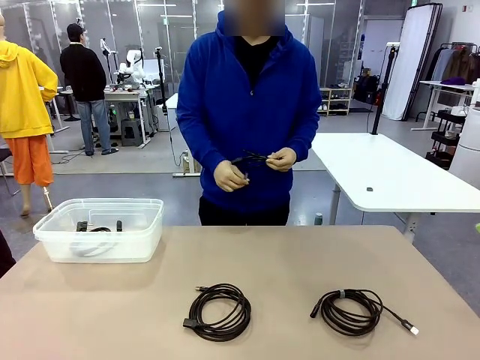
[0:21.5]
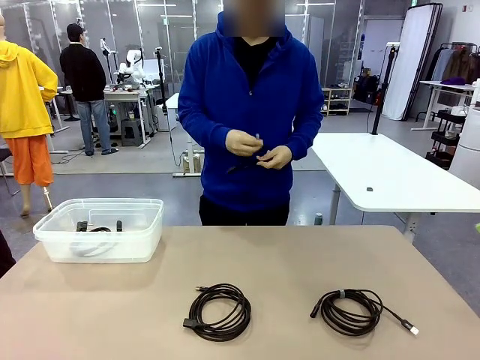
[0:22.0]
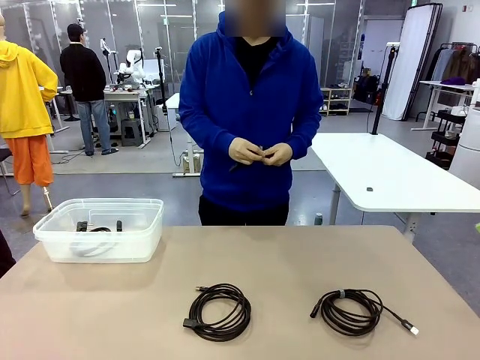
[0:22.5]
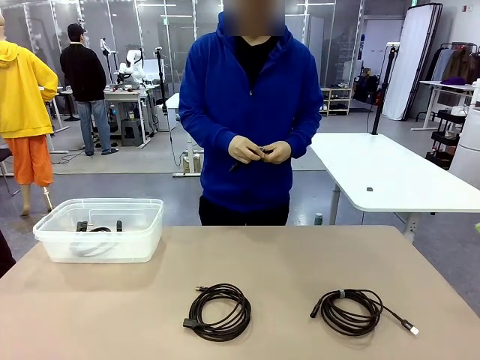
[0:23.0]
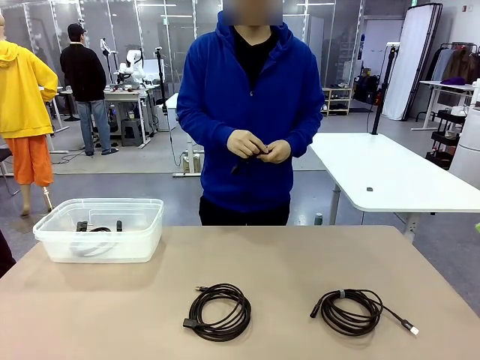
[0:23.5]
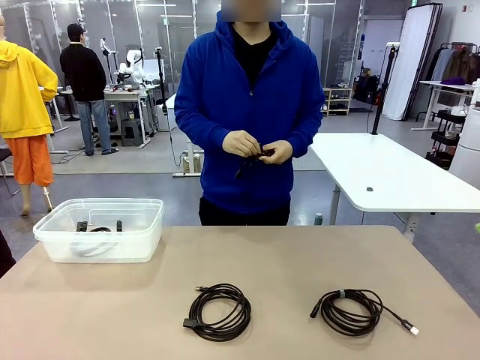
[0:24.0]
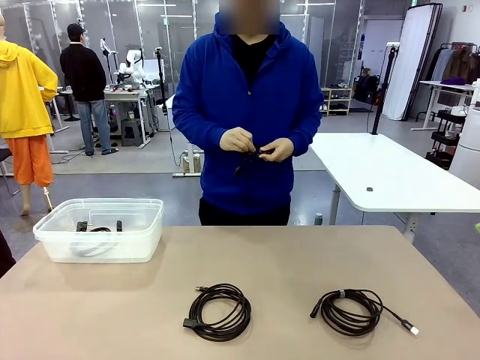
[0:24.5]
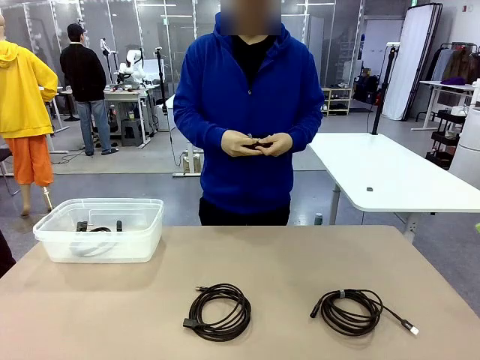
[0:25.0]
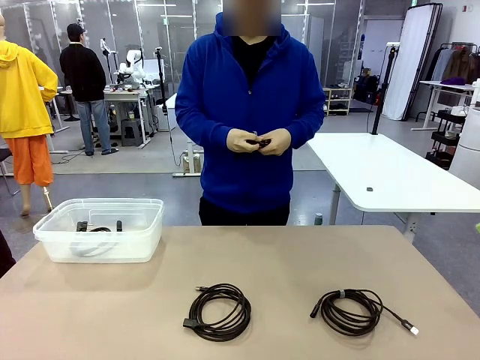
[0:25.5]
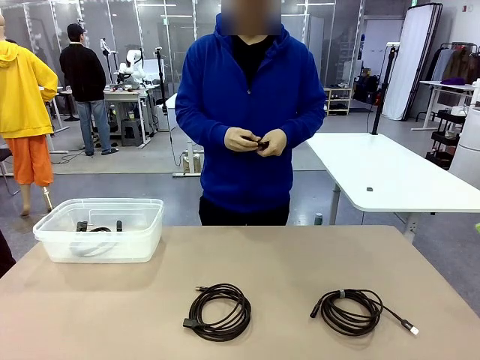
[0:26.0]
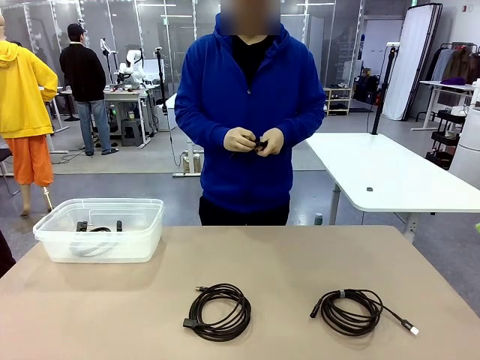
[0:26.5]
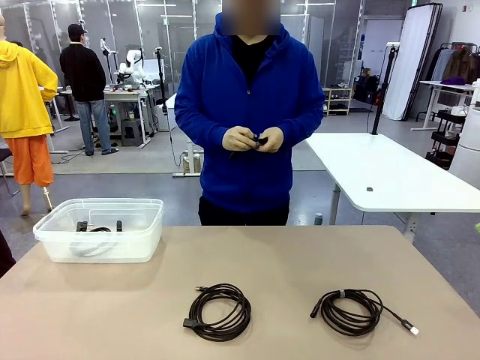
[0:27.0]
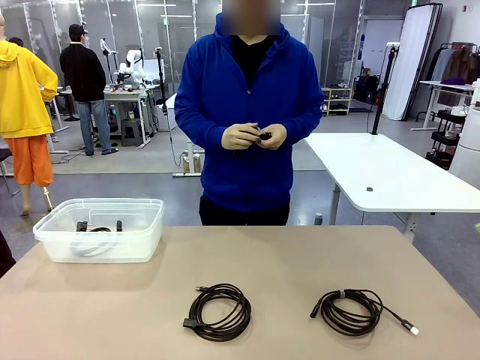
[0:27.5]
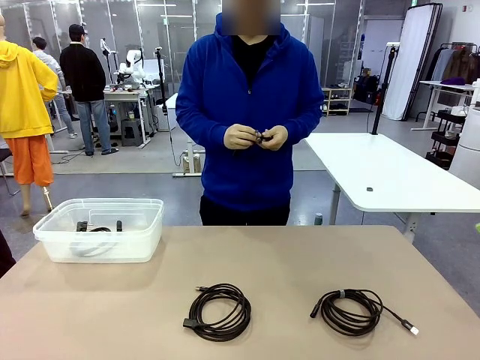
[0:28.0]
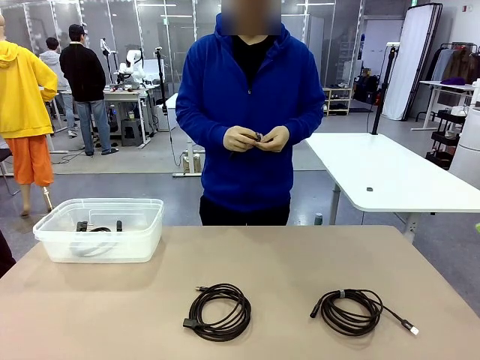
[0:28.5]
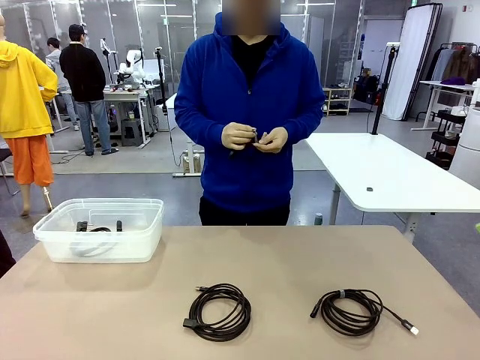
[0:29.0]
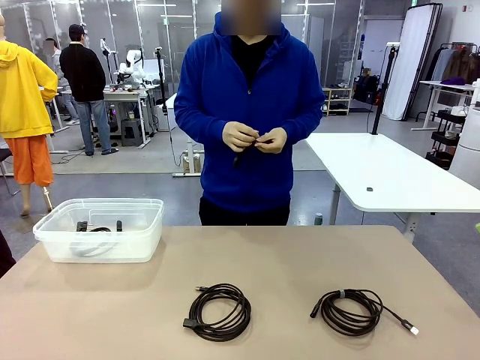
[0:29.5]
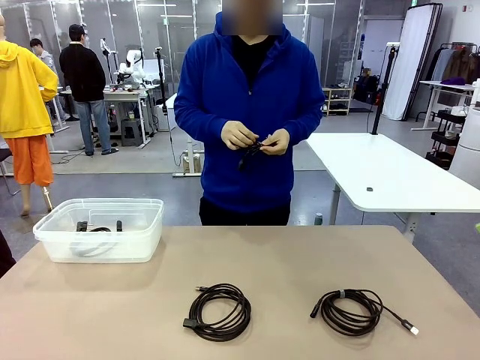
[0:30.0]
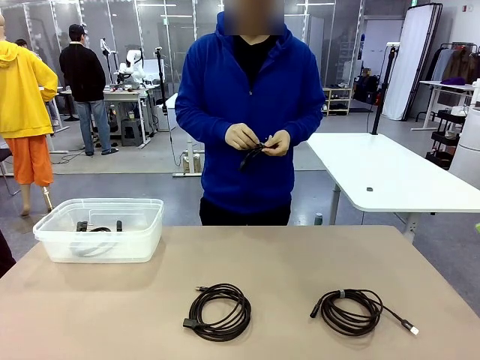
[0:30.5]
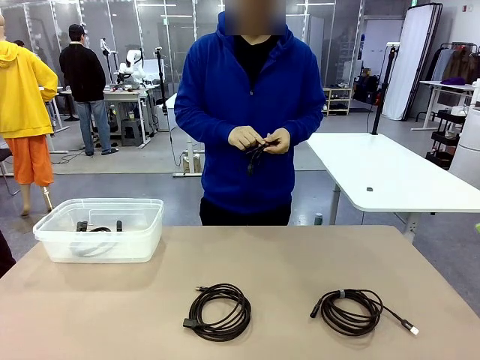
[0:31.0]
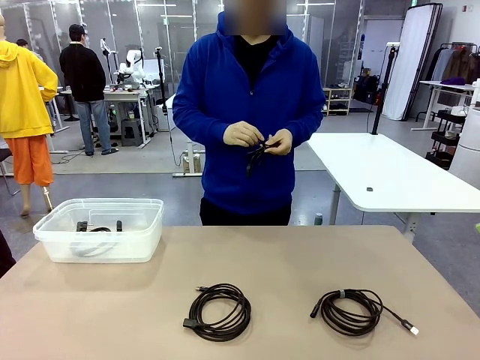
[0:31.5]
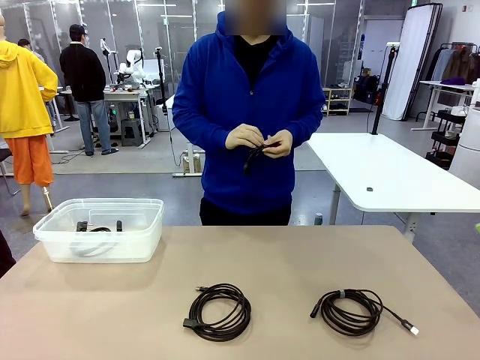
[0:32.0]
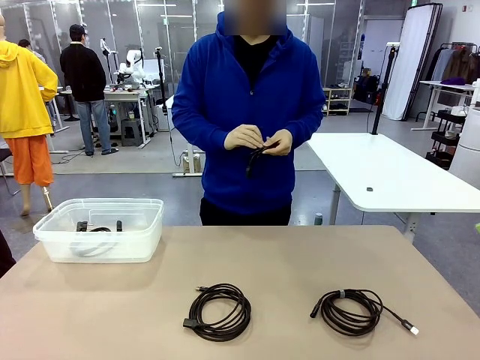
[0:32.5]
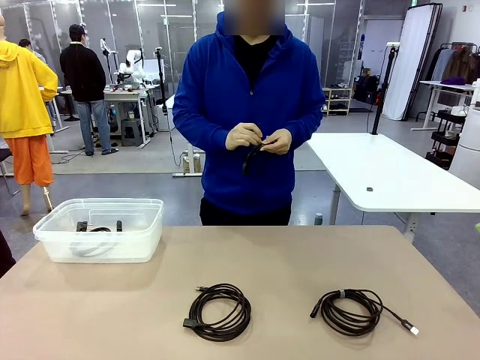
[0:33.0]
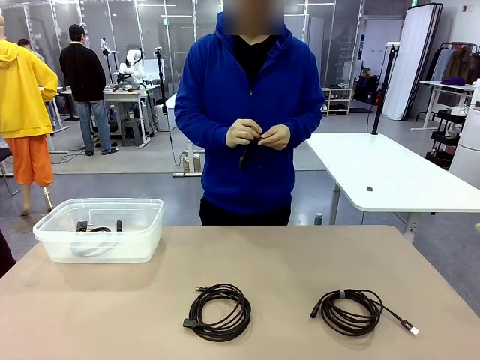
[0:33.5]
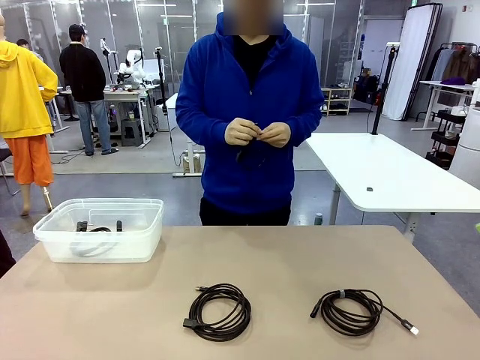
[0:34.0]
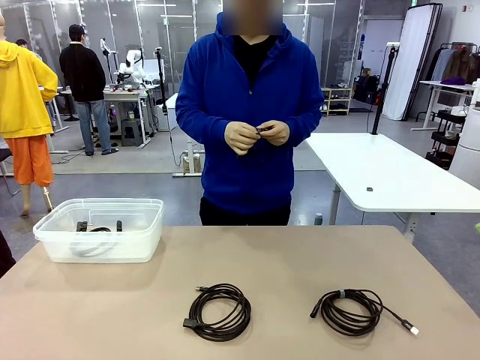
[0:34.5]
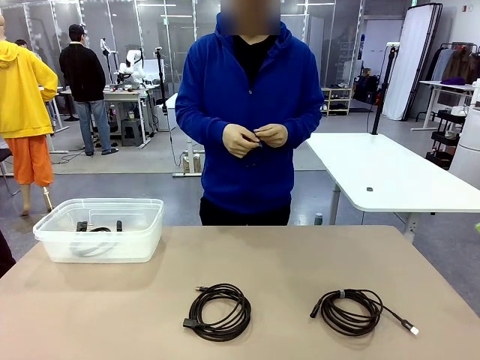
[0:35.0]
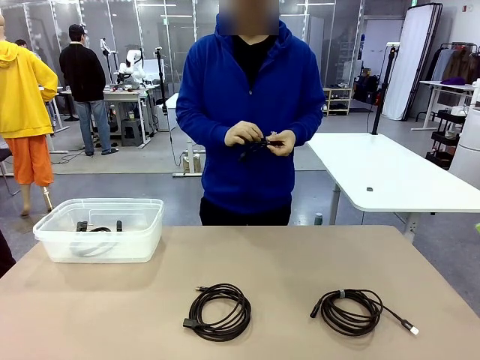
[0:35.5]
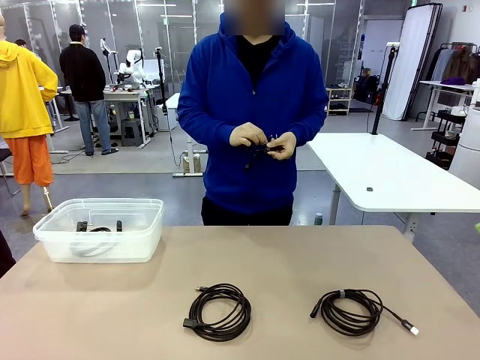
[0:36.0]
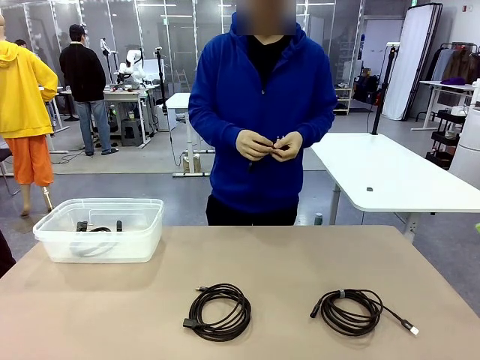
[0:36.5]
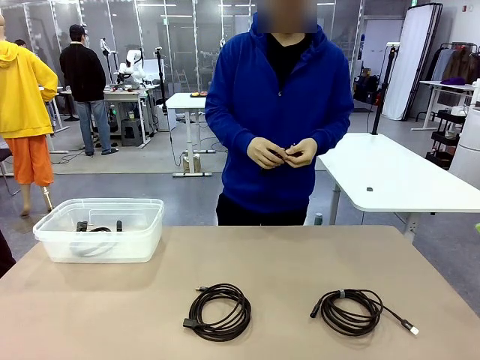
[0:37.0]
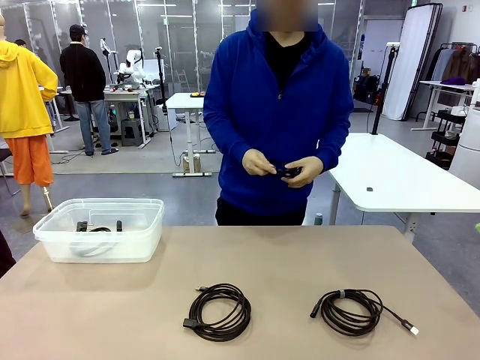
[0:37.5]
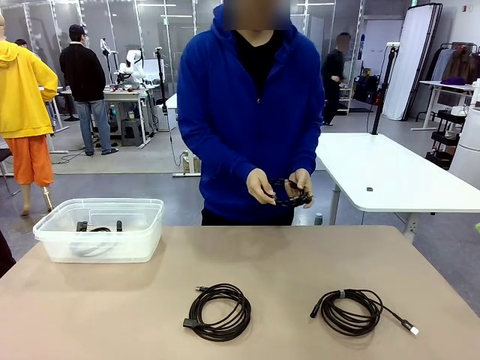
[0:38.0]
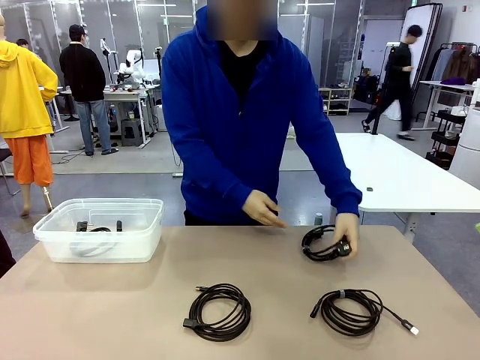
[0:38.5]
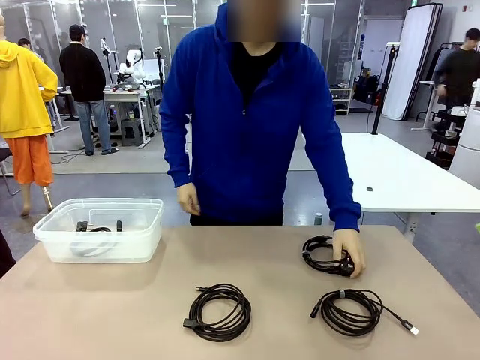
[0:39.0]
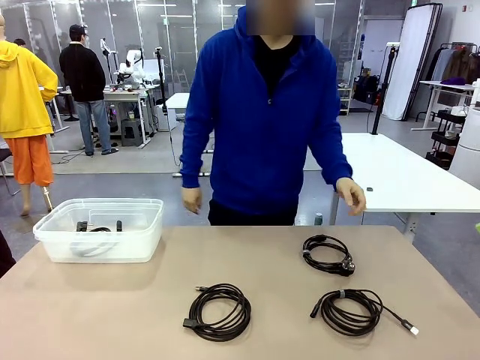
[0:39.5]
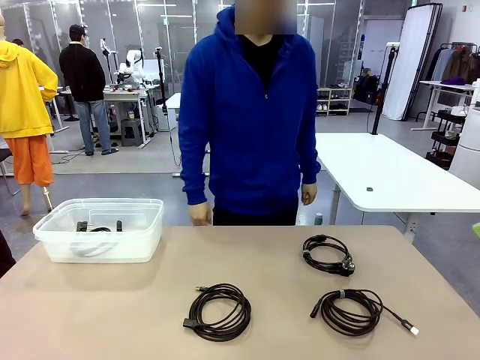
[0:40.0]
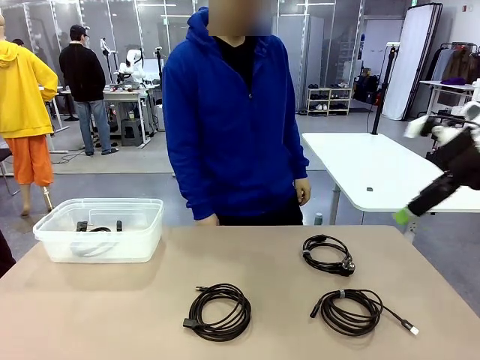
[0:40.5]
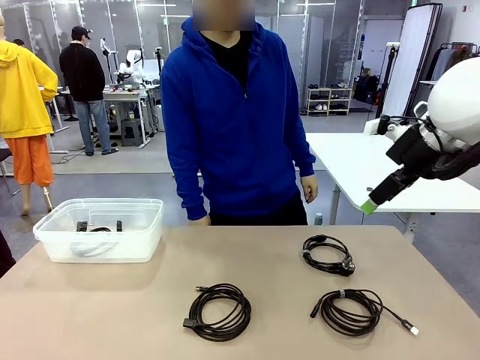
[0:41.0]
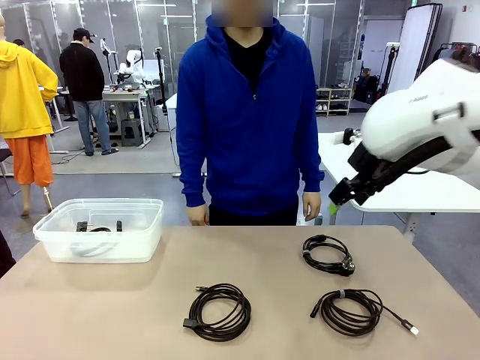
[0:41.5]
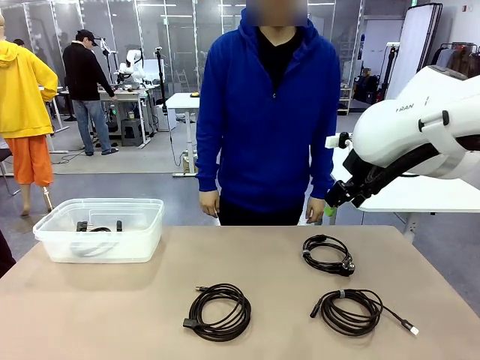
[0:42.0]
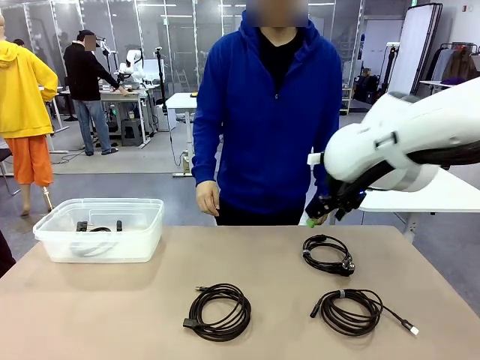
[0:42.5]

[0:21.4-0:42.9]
Task: Organize and store the cables.
Robot: Place the Power Cable into the Organizing box.

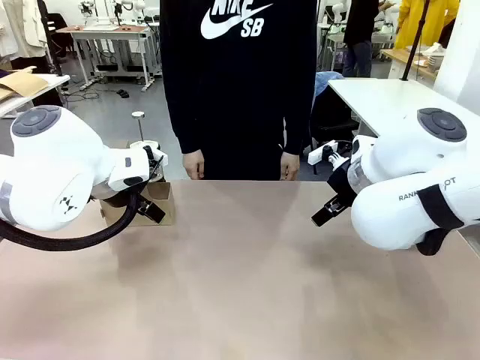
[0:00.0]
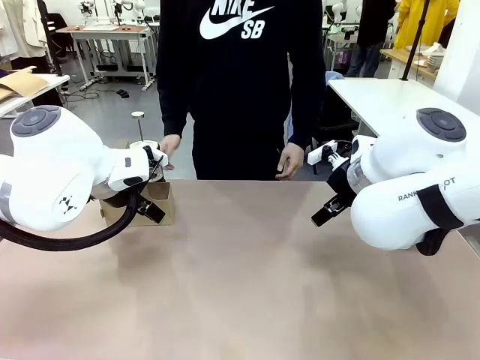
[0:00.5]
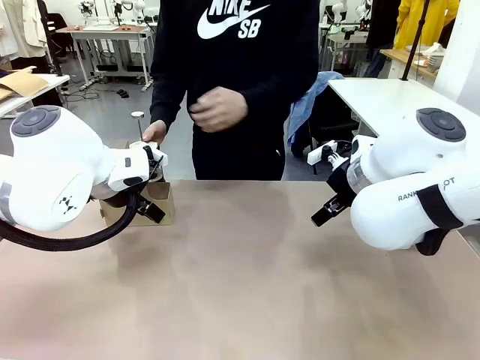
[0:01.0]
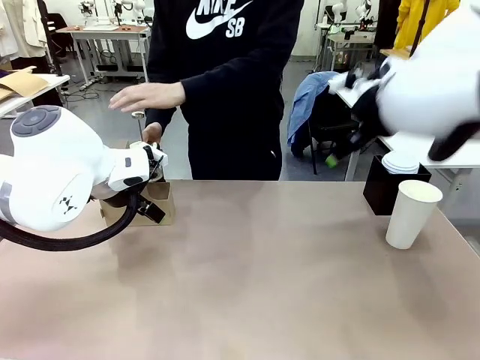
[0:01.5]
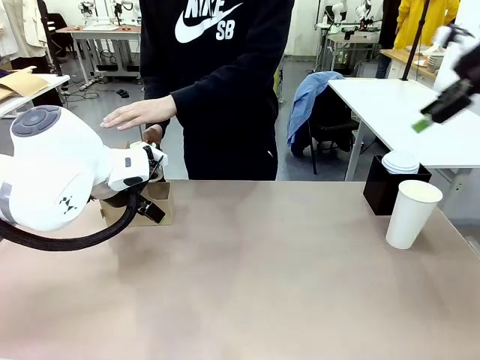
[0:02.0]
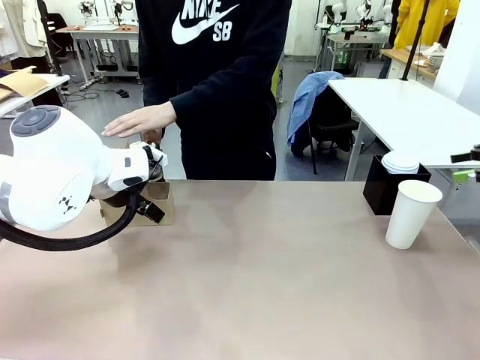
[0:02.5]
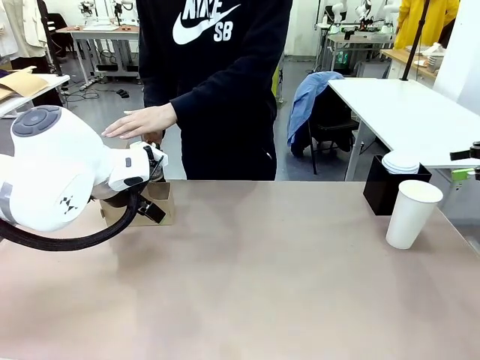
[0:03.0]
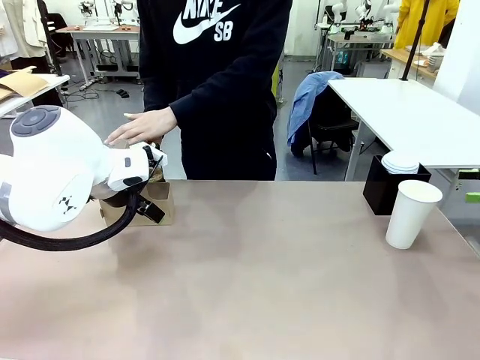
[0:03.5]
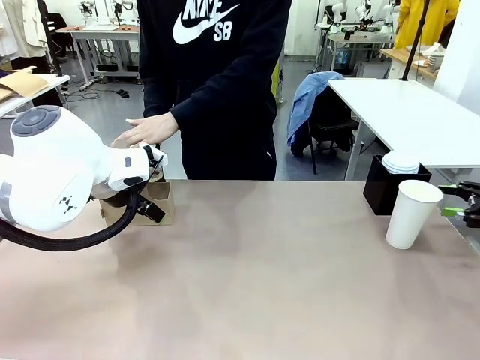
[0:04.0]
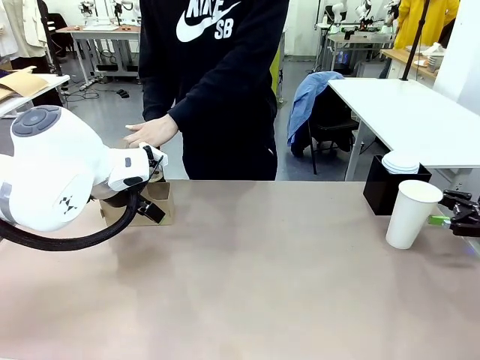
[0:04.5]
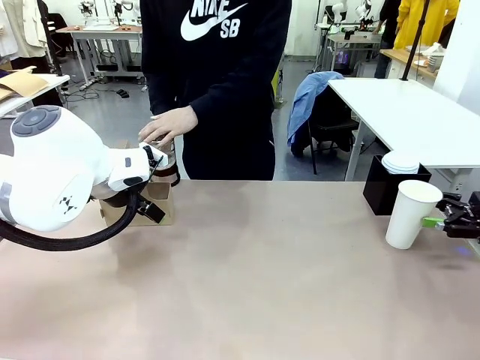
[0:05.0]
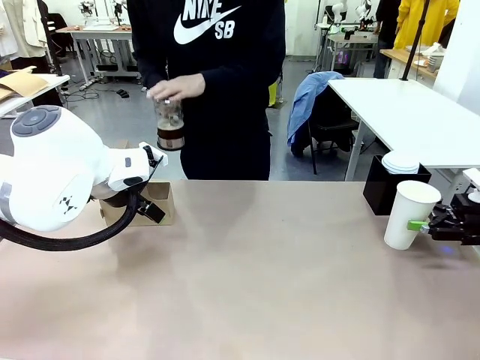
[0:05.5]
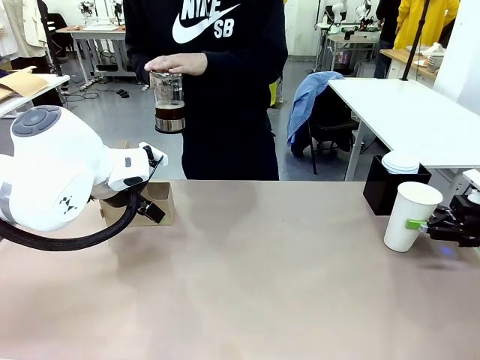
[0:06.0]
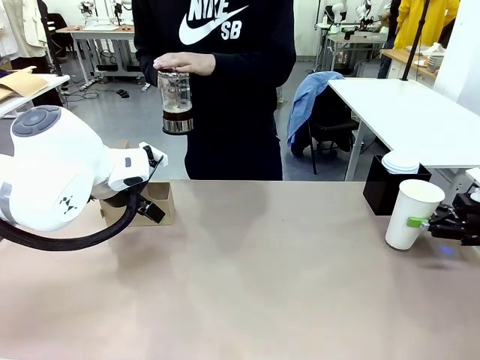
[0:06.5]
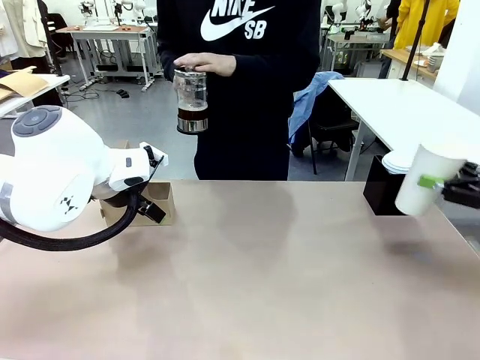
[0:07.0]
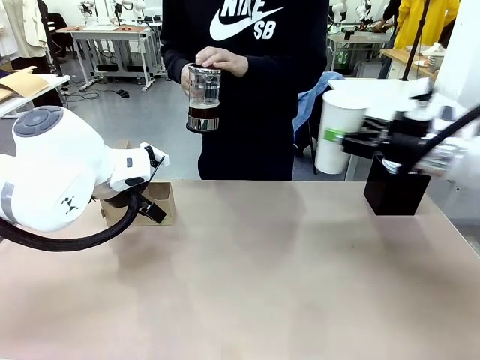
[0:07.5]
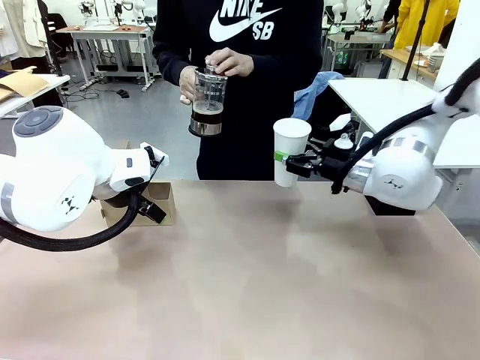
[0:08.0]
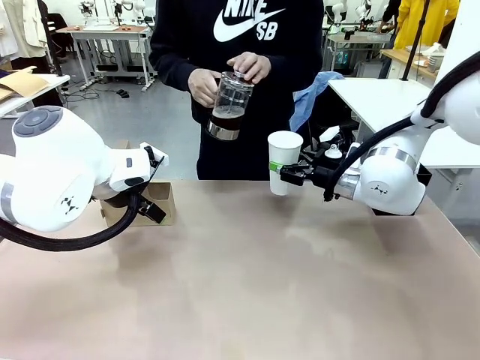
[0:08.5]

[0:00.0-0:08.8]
Task: Pour a drink into a cup and package it in a carrier.
Robot: Pick up the 600 ml Paper Cup and place it in the middle top area of the table.
Person: Press and pick up the Filter Brewing.
